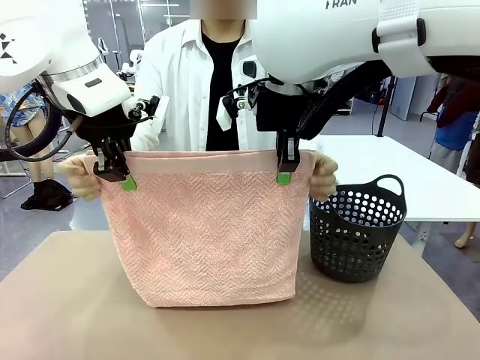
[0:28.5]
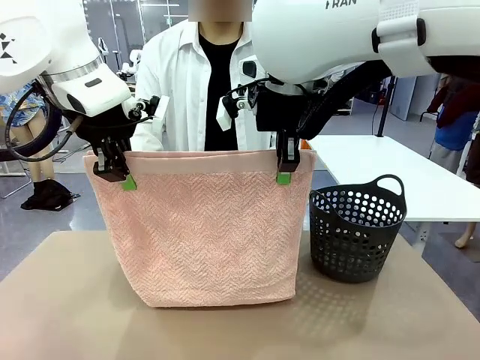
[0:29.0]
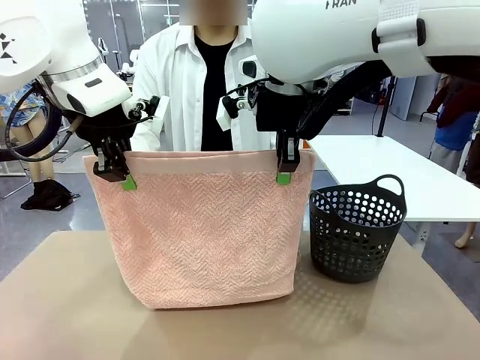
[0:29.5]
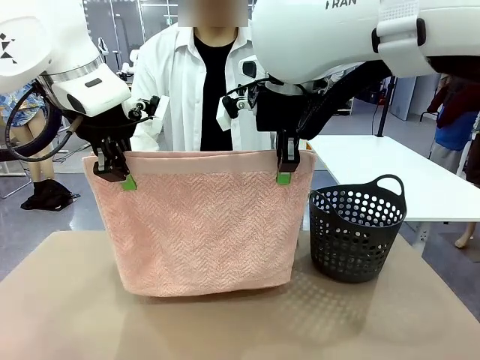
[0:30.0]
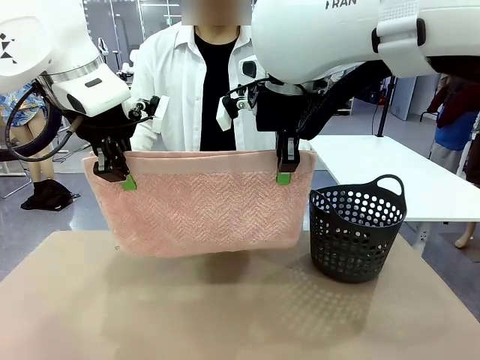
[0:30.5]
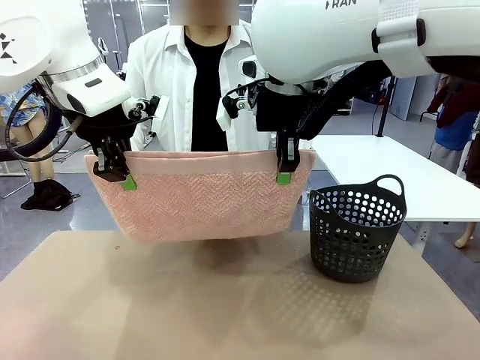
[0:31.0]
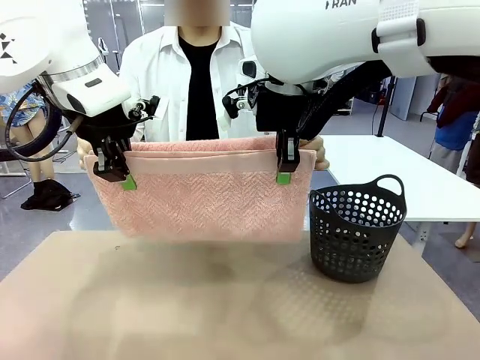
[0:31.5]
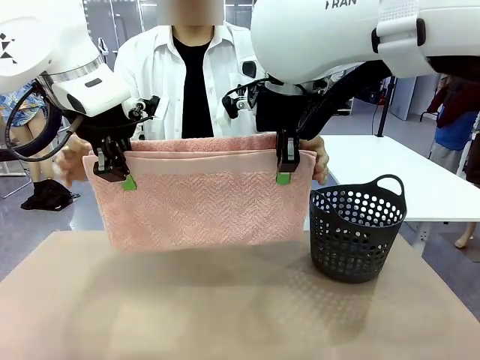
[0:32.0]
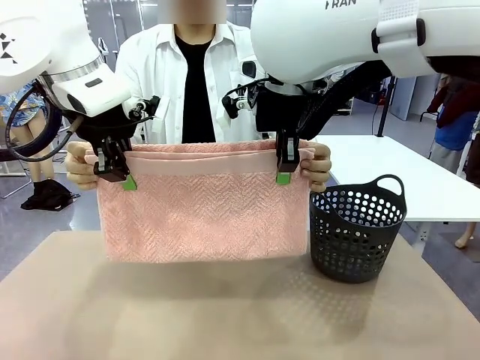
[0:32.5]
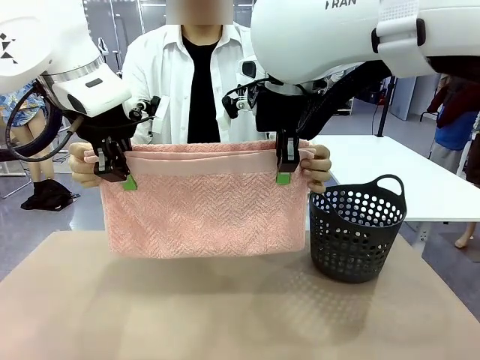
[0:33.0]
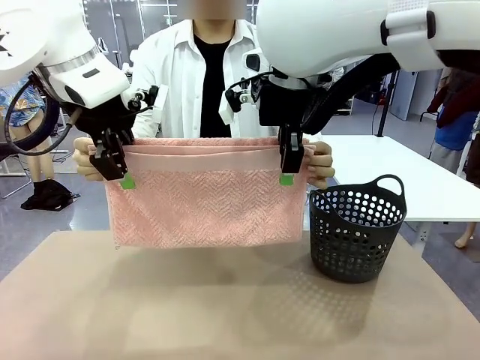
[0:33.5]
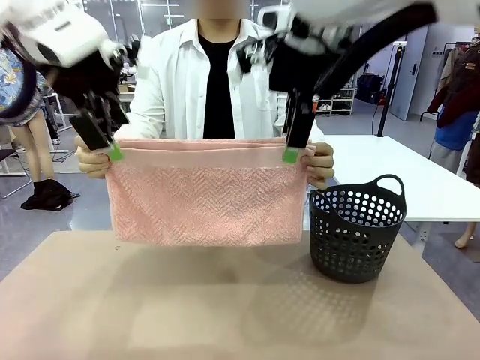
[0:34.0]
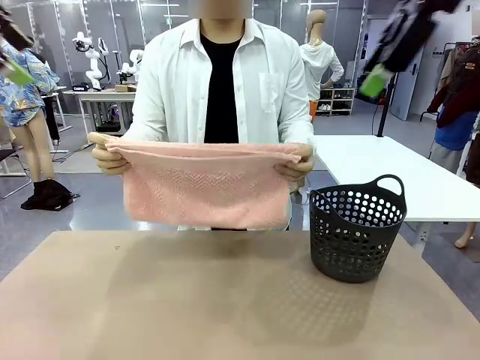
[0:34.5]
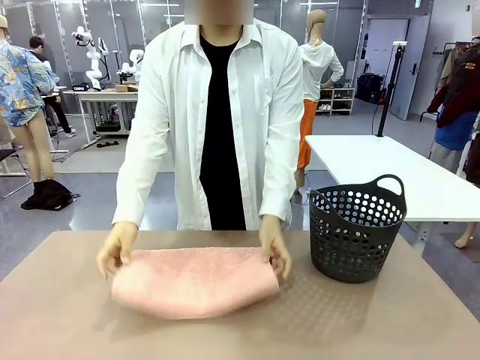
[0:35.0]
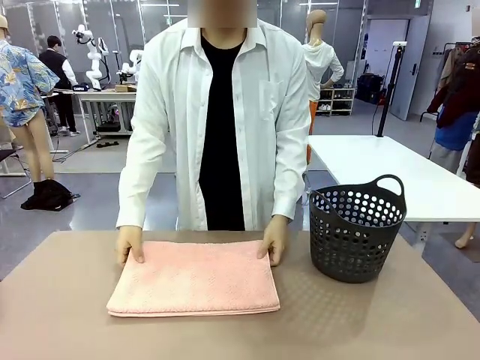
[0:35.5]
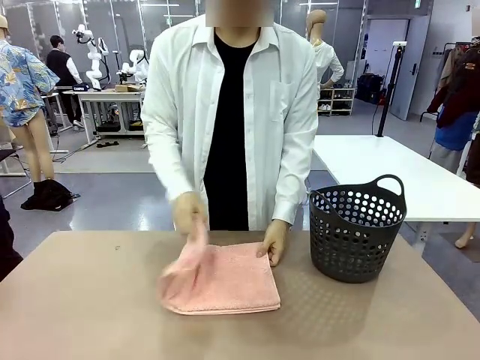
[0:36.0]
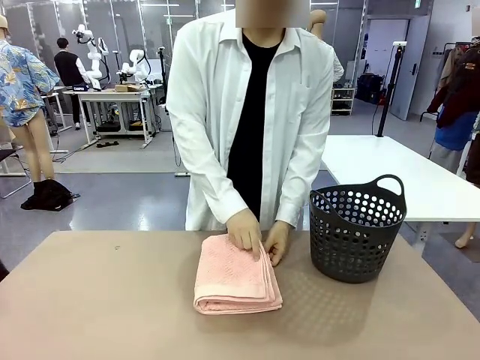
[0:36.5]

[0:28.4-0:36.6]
Task: Fold the towel.
Robot: Release the end of the 100 cm Hotel Towel you were holding.
Person: Place the towel at the center of the robot table and fold it in half.

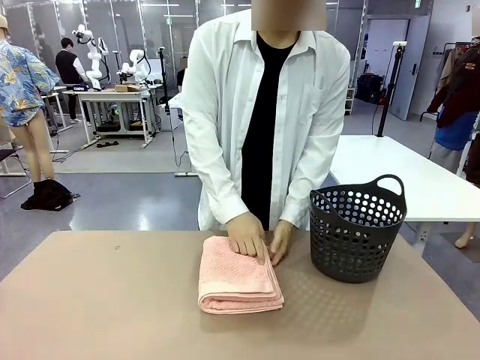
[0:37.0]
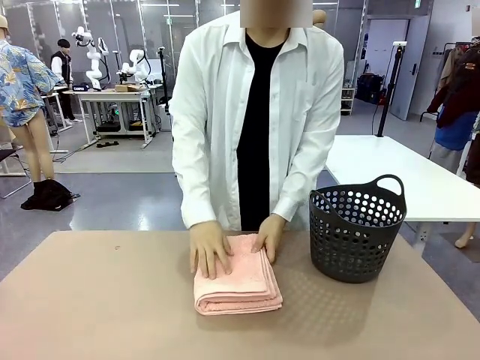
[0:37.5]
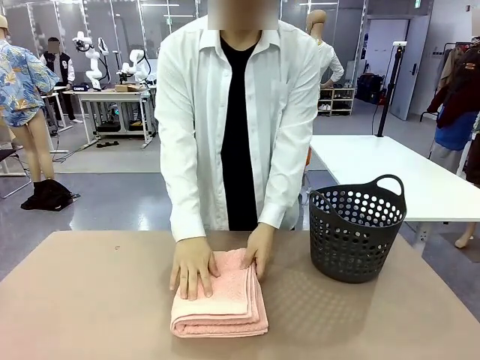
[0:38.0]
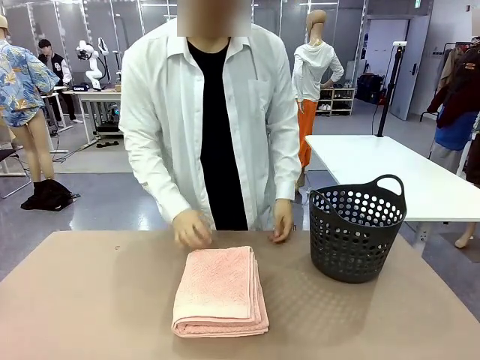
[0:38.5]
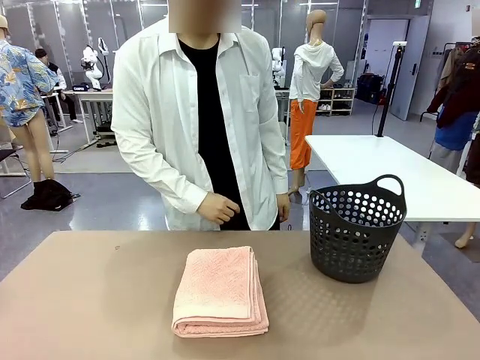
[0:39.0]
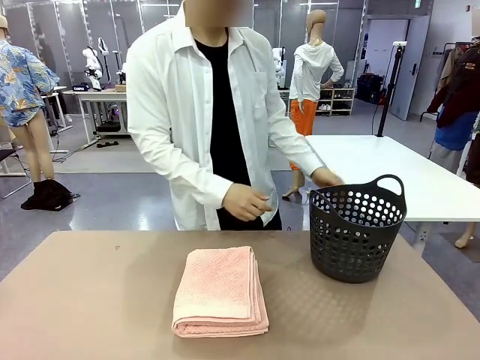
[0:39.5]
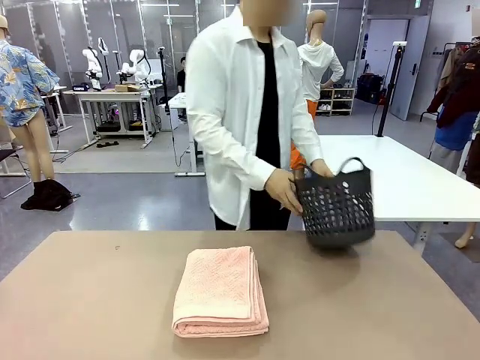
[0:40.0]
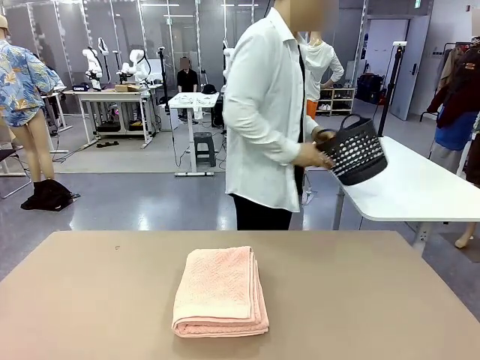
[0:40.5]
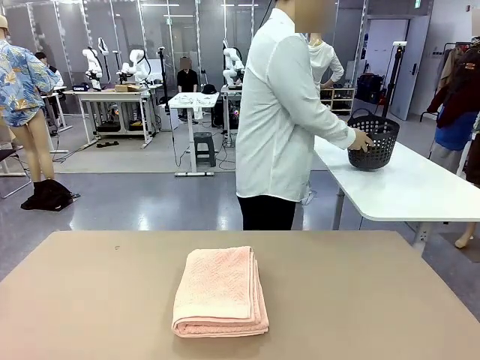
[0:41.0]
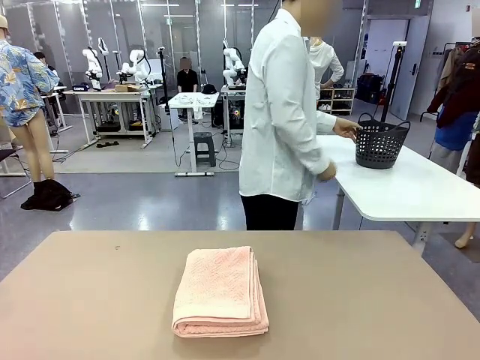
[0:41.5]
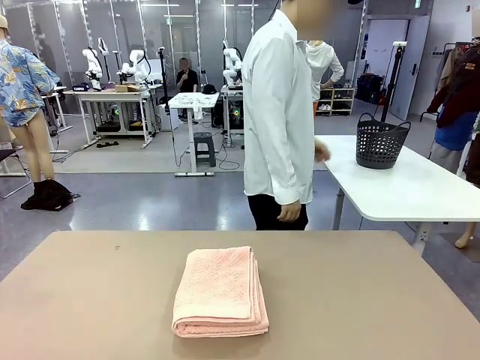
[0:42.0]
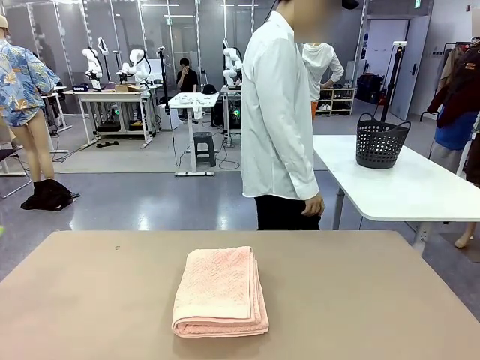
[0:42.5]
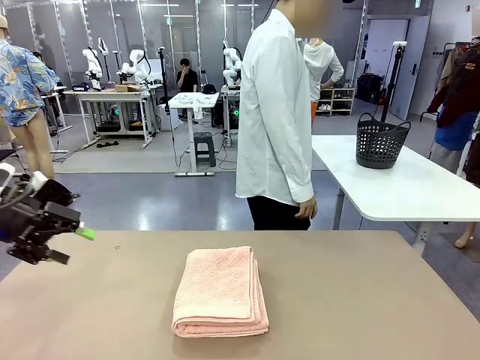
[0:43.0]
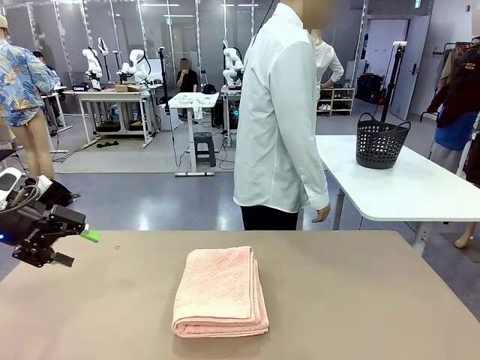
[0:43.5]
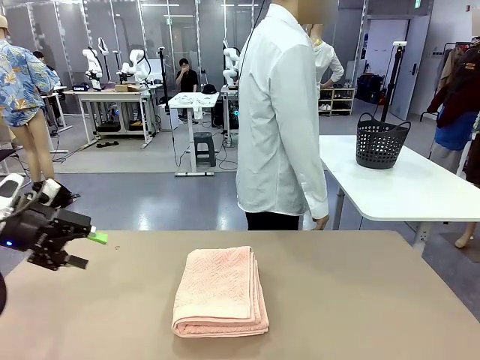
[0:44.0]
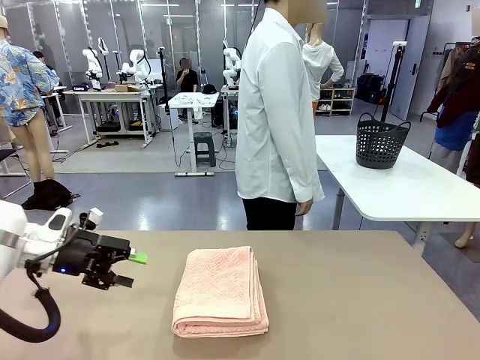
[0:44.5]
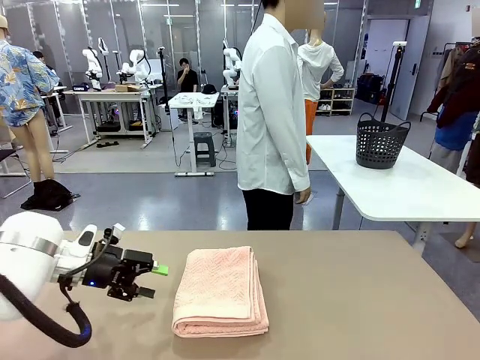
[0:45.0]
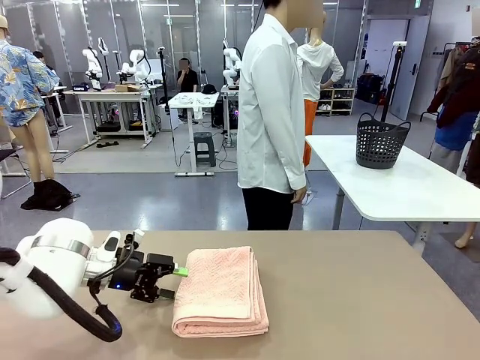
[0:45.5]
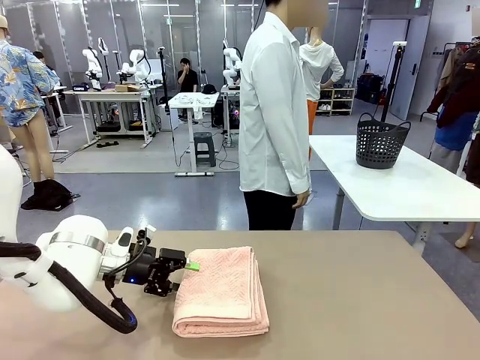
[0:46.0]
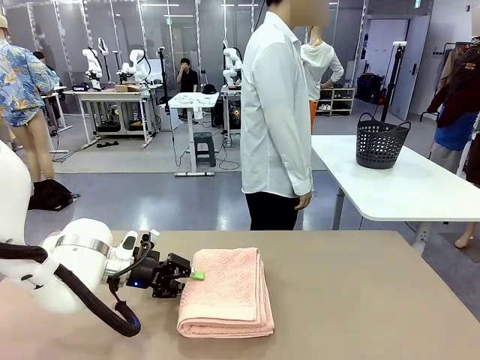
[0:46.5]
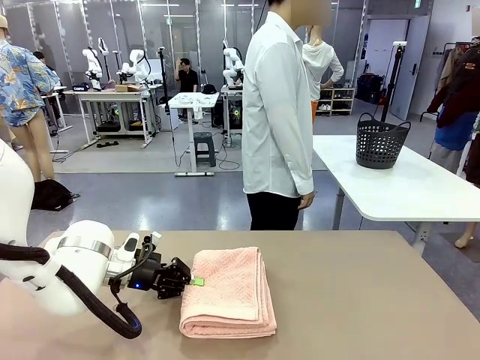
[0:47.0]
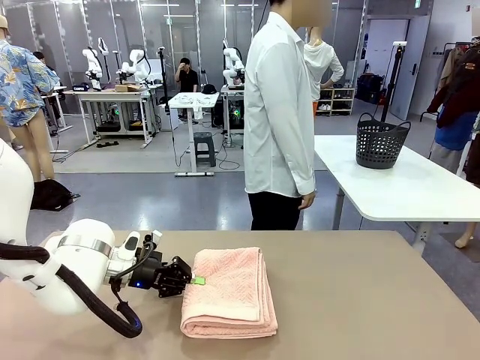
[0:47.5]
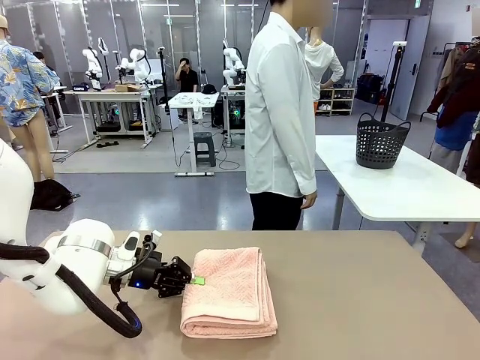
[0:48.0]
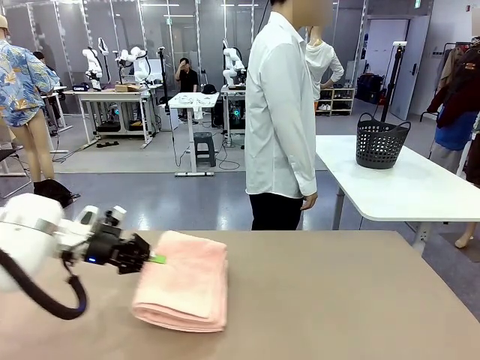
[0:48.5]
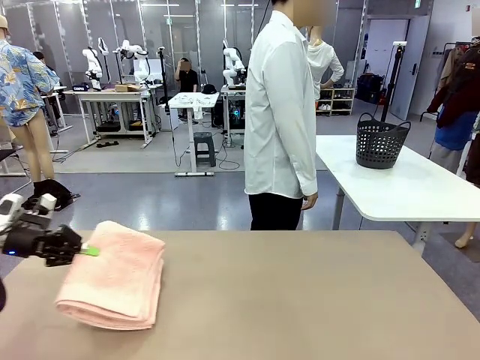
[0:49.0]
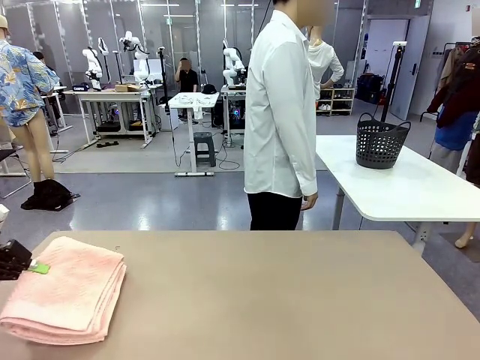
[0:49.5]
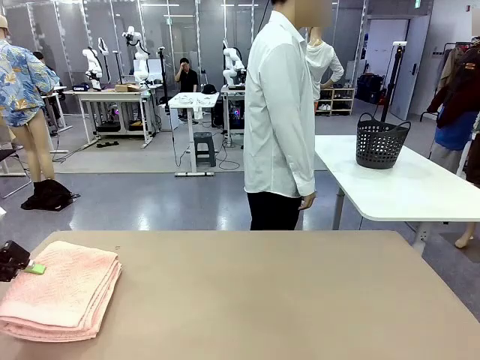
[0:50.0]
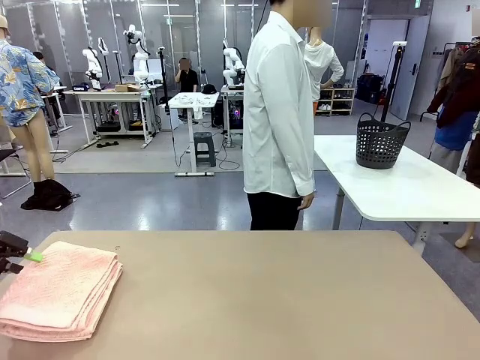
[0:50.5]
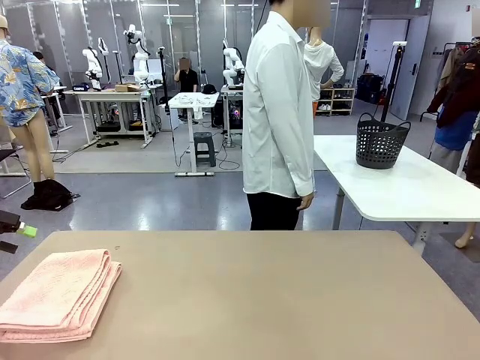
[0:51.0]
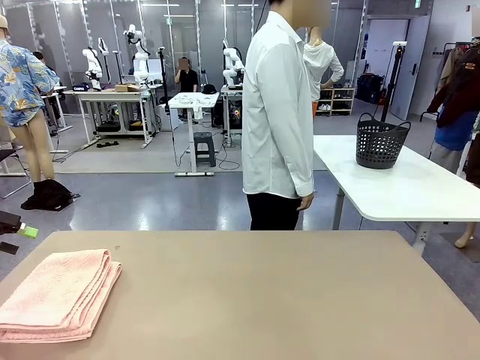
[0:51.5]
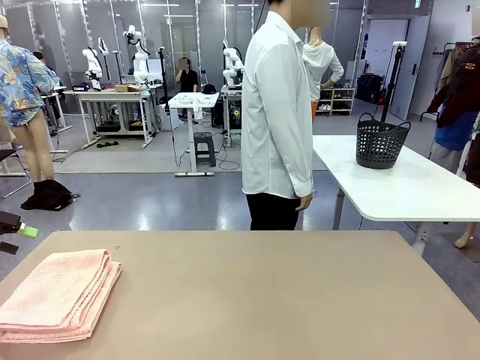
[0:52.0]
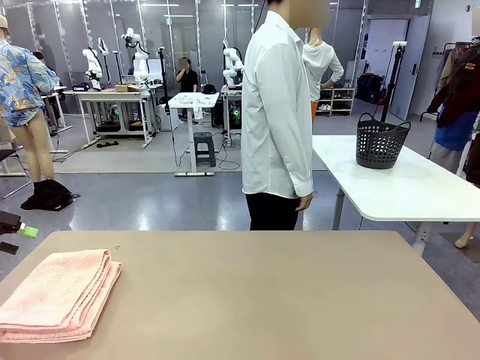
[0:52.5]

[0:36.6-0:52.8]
Robot: Pick up the 100 cm Hotel Towel and place it on the left side of the table.
Person: Pick up the laundry basket and place it at the center of the human table.
